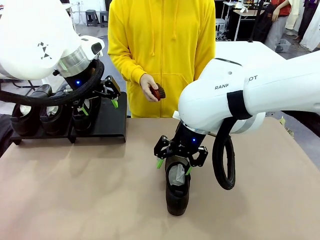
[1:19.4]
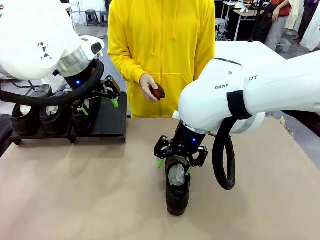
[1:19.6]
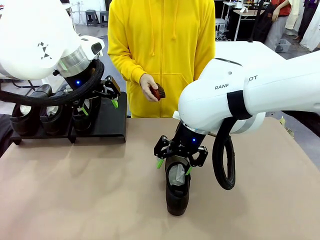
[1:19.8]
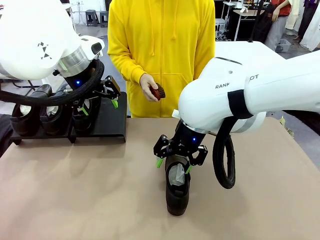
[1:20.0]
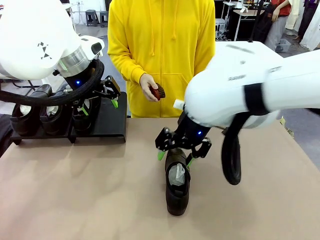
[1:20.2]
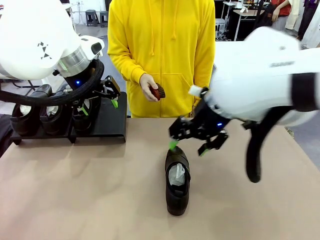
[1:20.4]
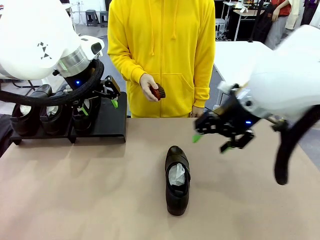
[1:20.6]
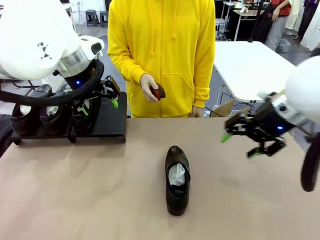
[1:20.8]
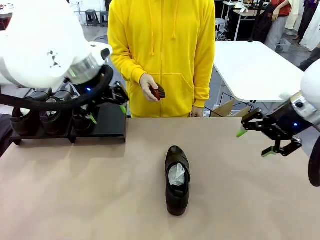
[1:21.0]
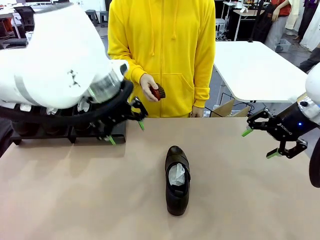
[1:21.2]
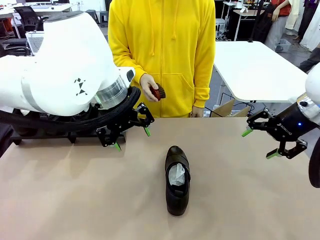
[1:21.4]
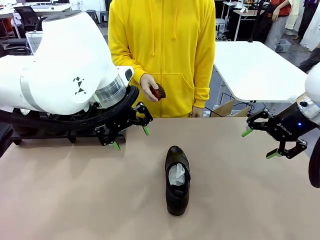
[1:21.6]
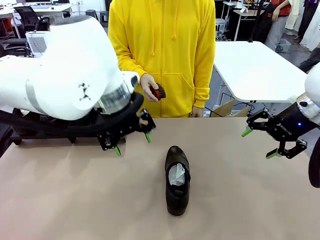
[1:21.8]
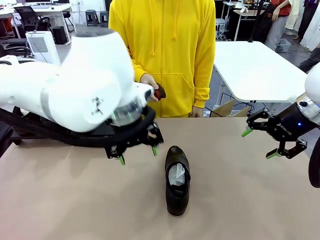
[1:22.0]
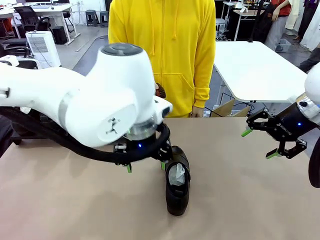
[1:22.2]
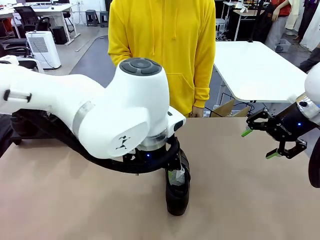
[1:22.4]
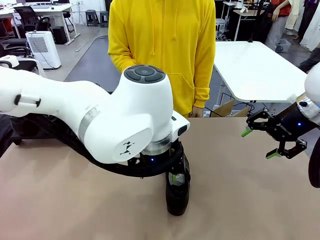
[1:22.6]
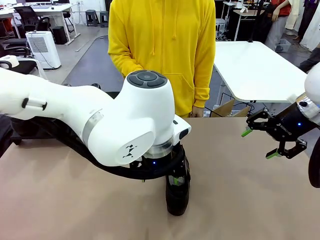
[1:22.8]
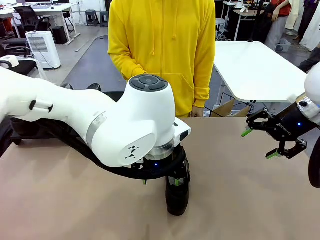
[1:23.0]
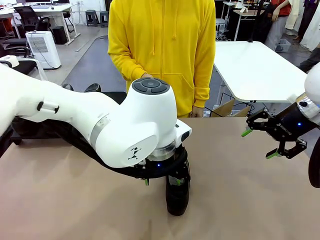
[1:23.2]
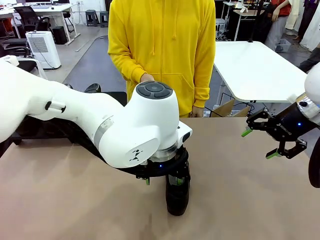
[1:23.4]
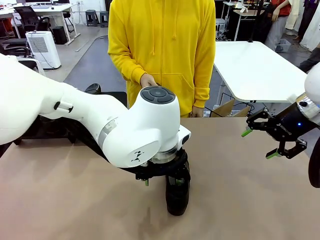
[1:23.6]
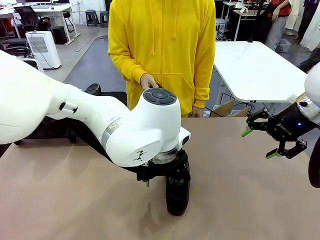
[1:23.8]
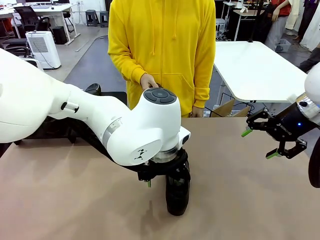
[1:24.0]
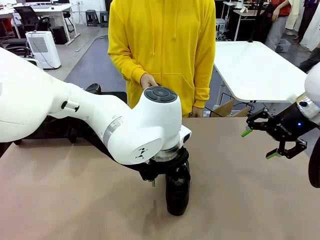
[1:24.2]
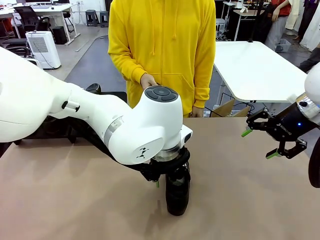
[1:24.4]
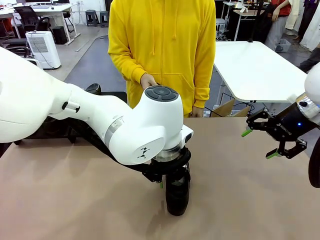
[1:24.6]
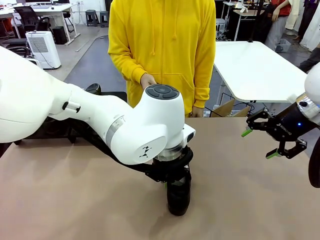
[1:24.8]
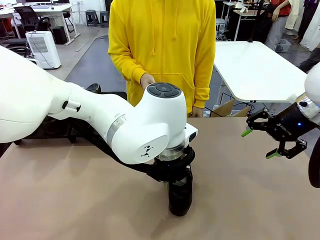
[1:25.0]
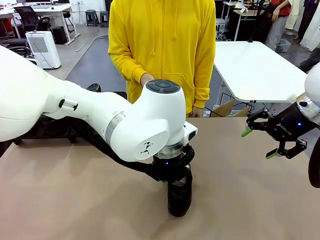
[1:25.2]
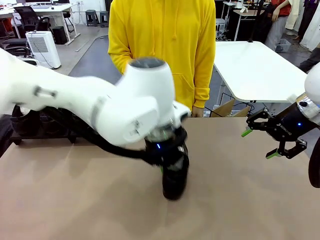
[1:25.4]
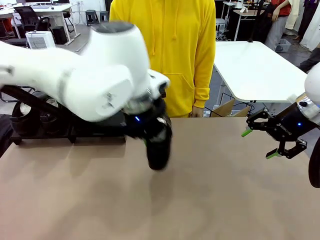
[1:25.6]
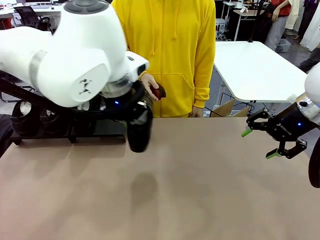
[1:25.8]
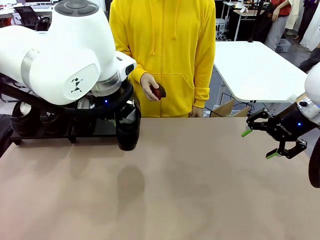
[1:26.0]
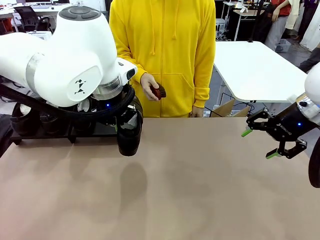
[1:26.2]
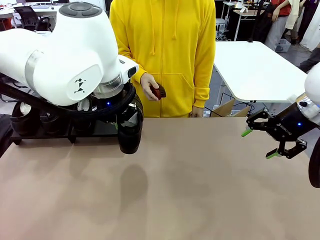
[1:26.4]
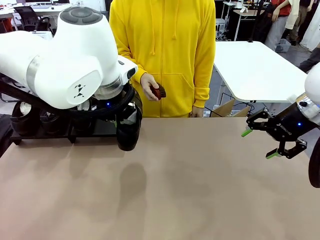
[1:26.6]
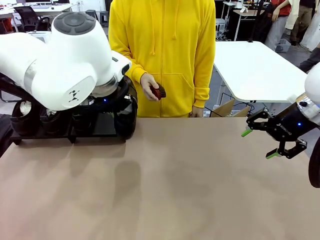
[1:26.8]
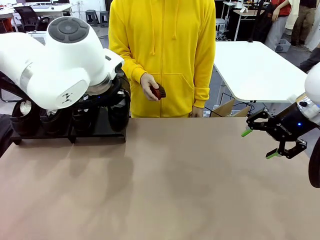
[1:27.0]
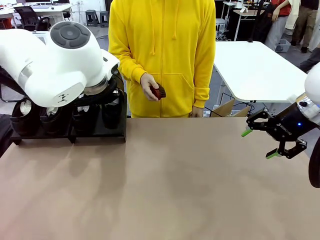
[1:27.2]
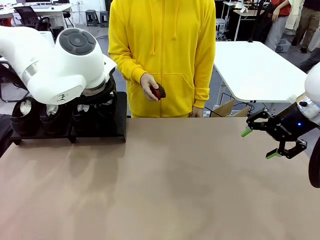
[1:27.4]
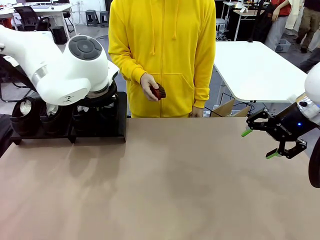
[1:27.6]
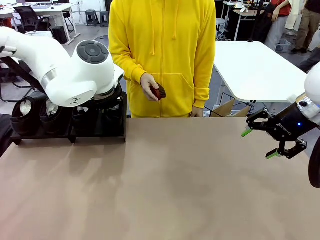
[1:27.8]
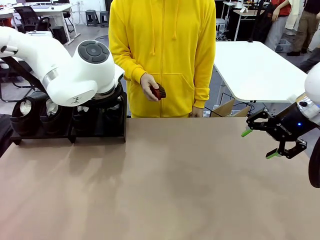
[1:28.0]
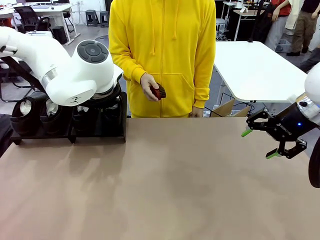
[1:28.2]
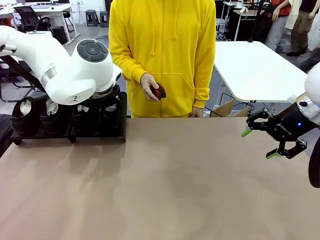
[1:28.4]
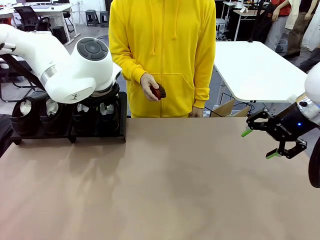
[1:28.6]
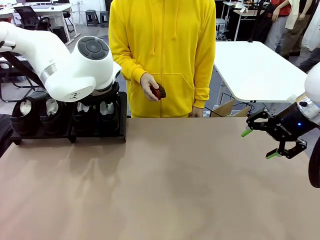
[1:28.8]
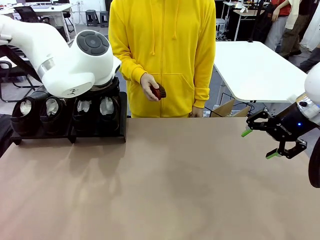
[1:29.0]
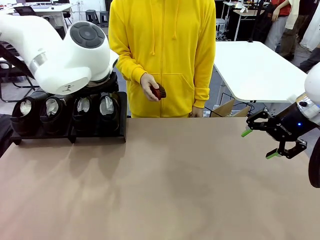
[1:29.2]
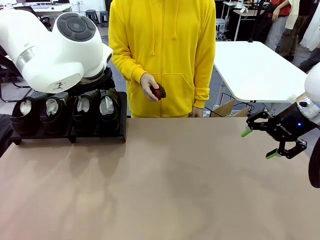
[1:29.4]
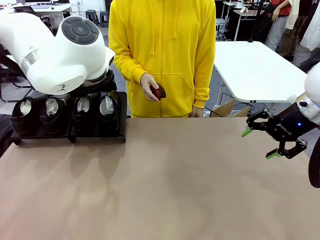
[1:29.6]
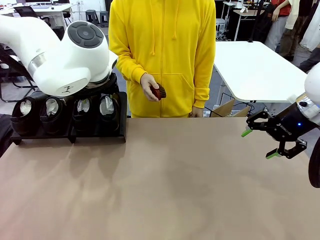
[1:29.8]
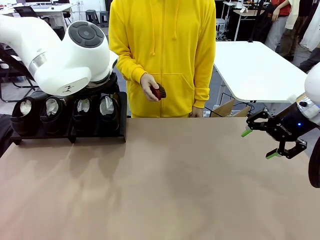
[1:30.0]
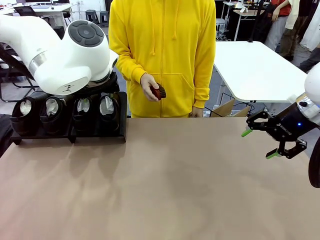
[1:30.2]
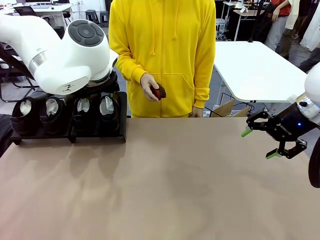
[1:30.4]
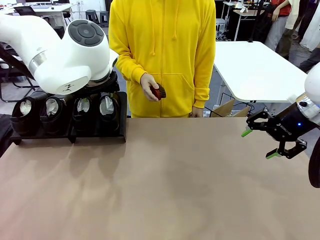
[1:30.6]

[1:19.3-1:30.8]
Task: Organize the shoes by placing them on the stand.
Robot: Place the Shoe from the middle of the table onto the Shoes Stand.

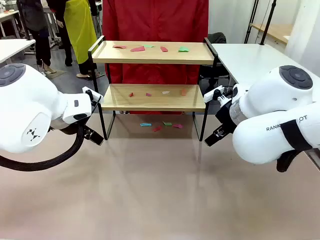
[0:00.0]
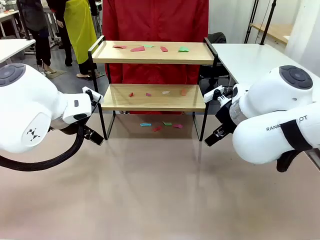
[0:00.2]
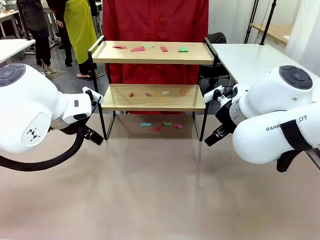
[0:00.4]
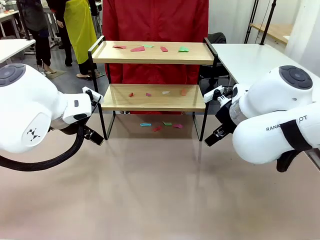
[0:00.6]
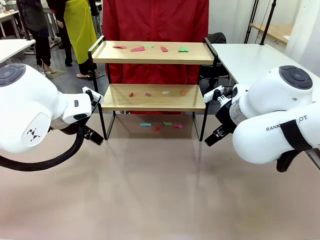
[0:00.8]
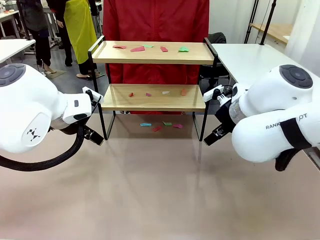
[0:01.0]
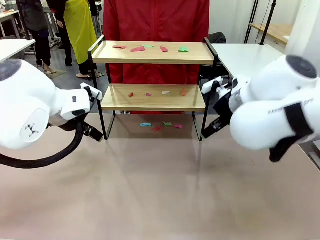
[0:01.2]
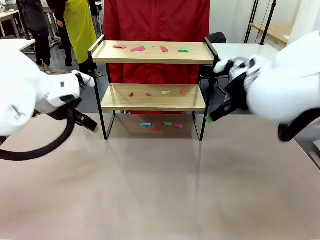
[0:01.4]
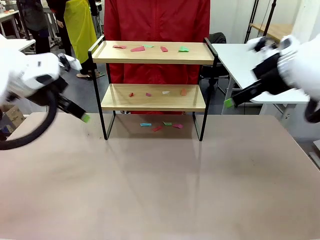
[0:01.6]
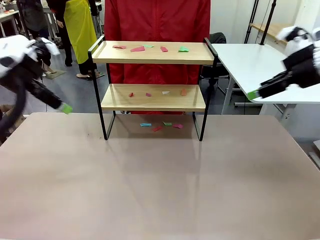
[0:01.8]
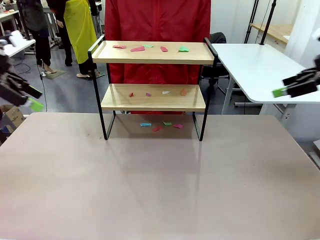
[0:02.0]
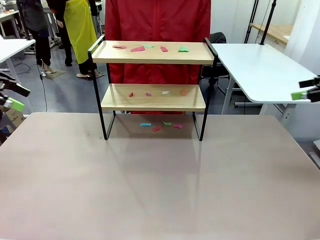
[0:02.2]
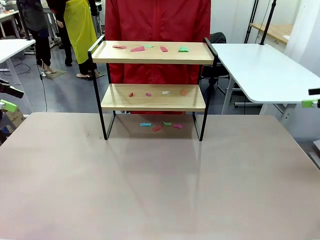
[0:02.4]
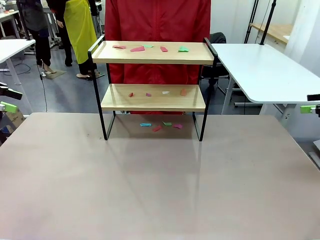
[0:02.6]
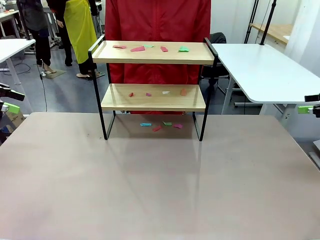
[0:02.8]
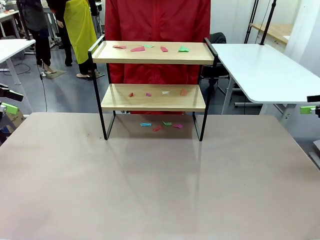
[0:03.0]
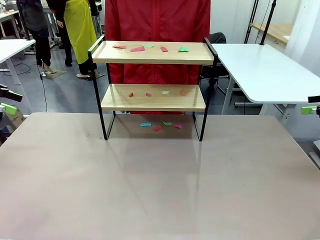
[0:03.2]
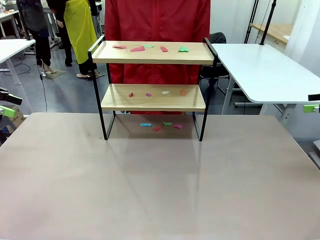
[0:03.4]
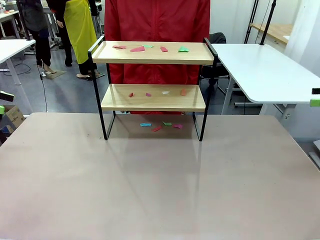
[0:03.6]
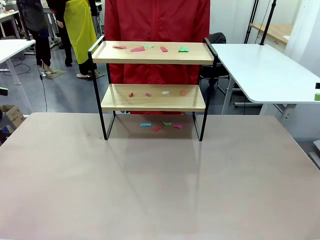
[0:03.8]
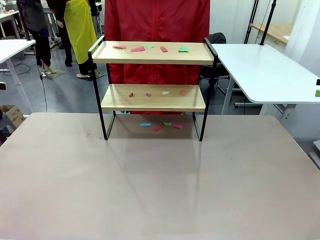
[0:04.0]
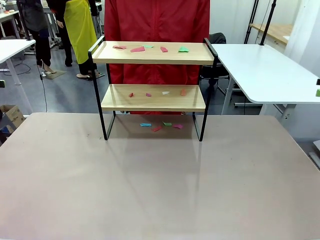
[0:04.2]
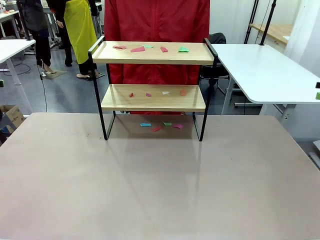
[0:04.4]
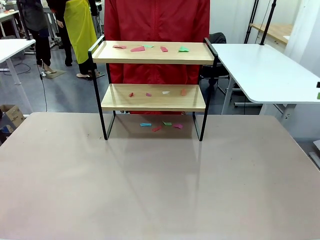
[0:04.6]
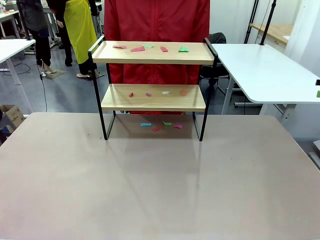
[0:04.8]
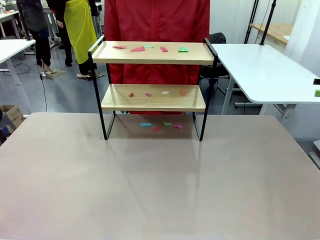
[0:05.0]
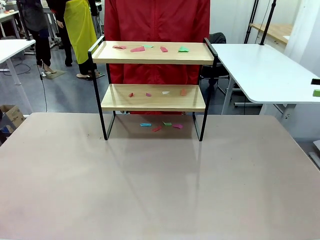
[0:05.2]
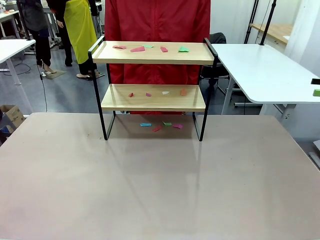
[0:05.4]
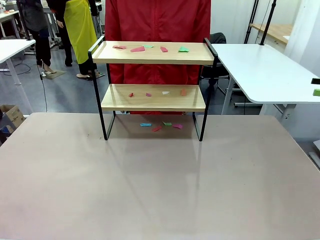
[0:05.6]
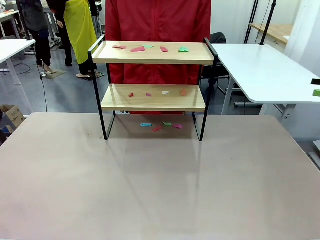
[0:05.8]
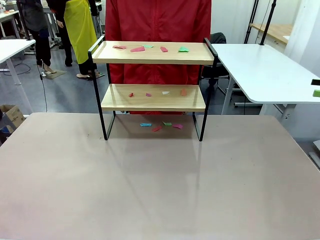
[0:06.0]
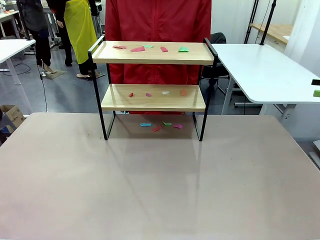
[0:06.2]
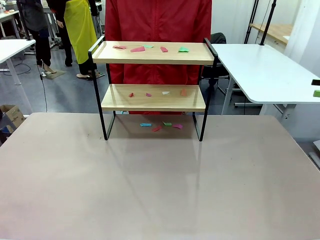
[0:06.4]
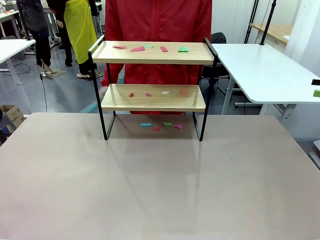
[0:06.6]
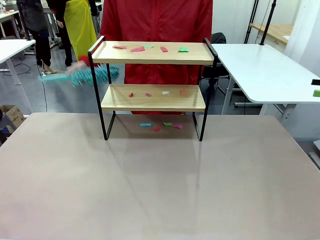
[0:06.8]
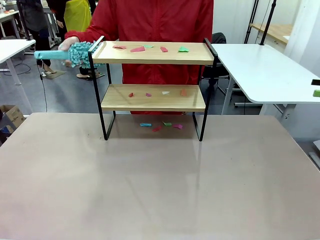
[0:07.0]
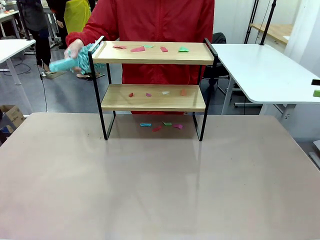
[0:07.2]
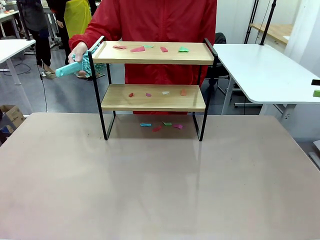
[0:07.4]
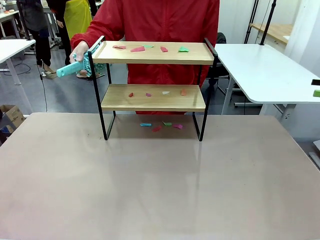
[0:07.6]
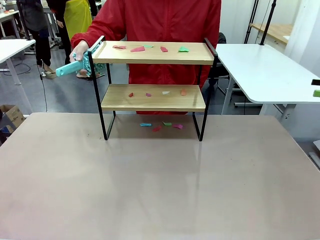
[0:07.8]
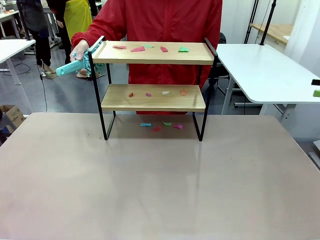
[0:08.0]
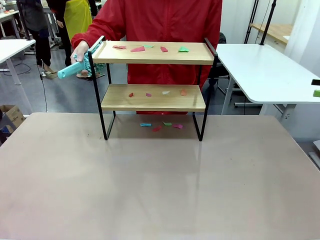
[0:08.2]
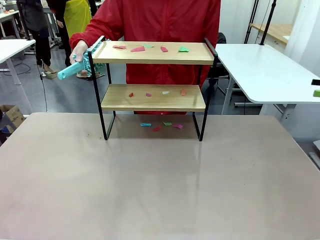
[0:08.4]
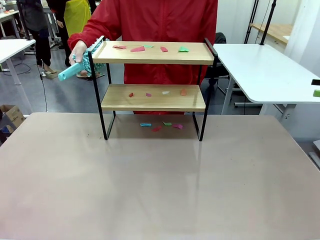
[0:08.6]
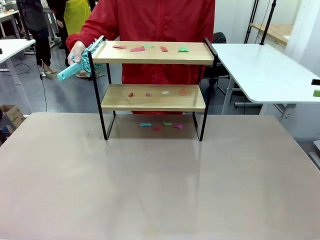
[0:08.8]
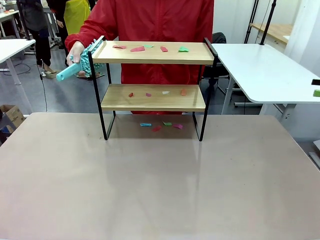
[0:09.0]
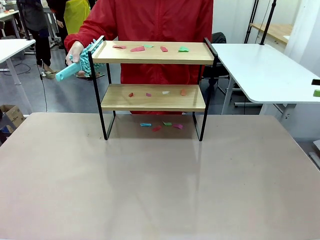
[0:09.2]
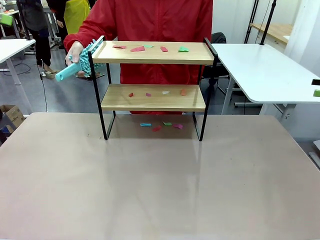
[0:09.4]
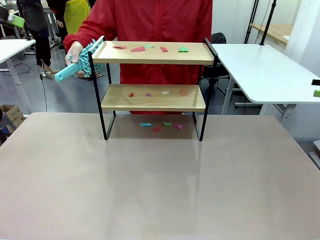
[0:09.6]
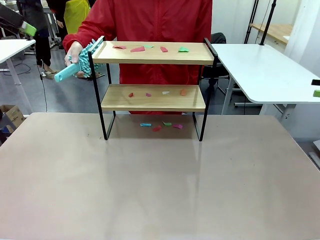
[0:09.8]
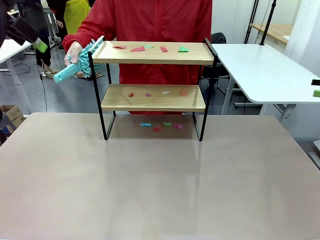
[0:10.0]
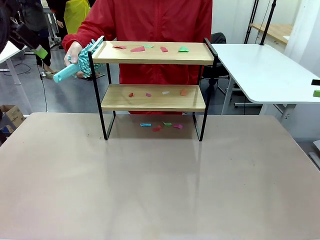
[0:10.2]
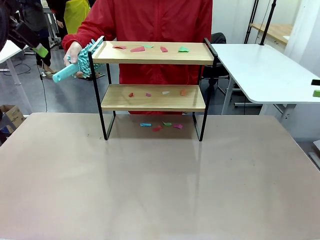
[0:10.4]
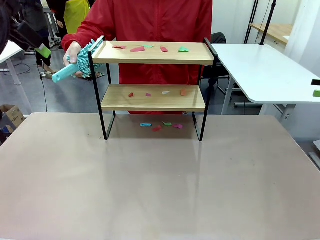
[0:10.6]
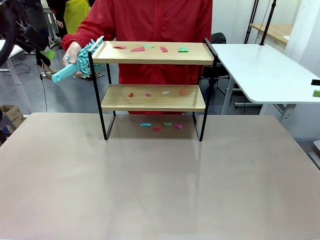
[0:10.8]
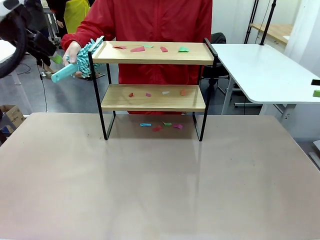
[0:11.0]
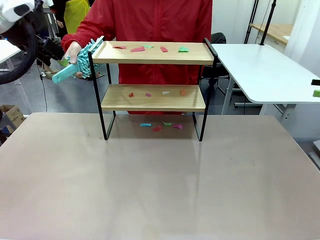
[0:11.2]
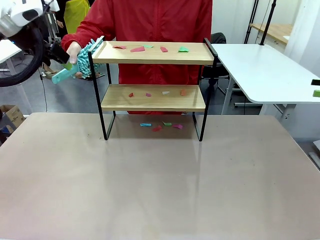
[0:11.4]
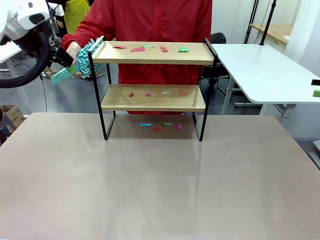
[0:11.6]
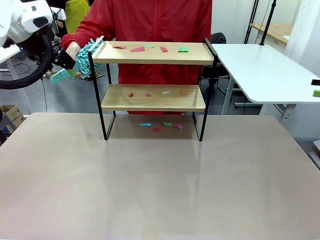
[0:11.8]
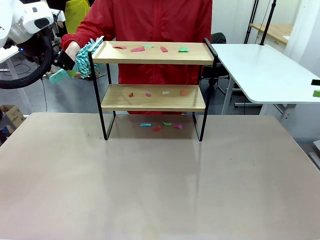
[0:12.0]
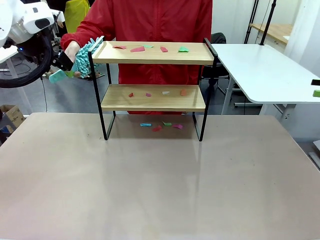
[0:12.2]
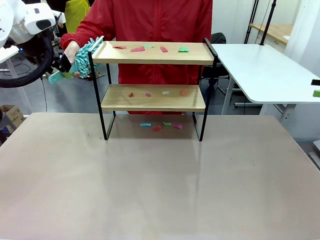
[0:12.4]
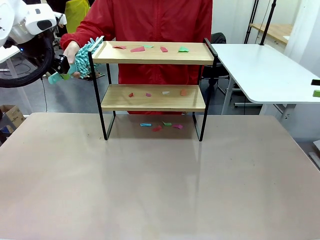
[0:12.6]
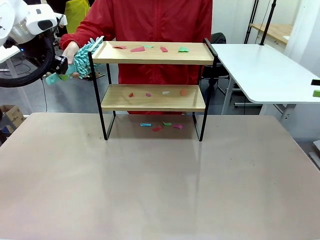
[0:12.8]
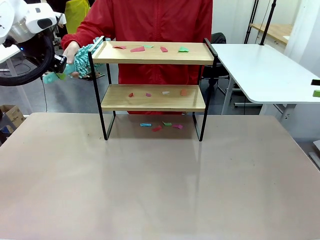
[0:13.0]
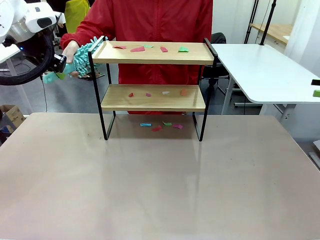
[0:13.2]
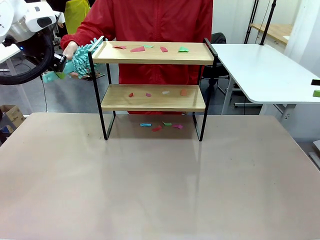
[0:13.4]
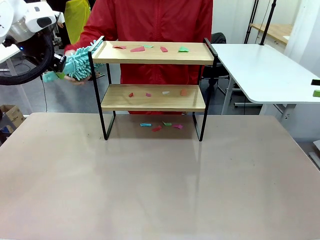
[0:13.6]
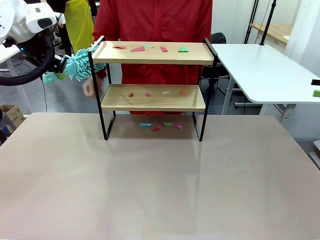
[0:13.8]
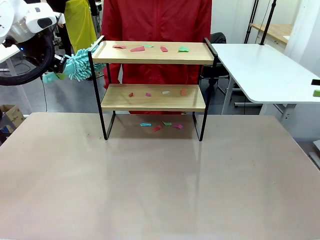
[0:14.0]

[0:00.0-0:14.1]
Task: Clean the shelf.
Robot: Pick up the Duster handed by the human.
Person: Hand the Duster to the robot.
